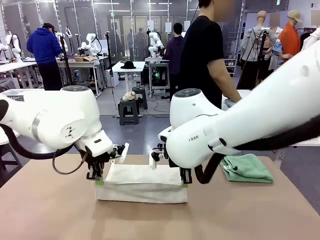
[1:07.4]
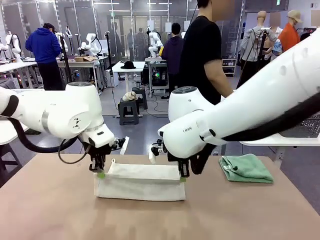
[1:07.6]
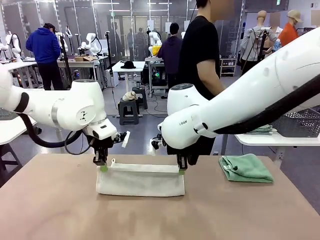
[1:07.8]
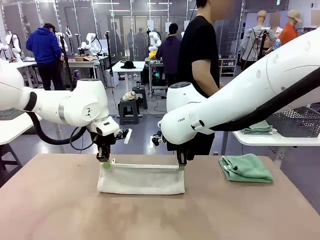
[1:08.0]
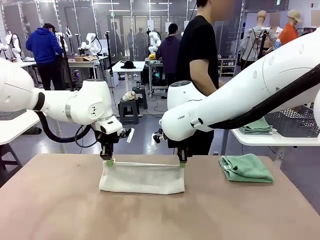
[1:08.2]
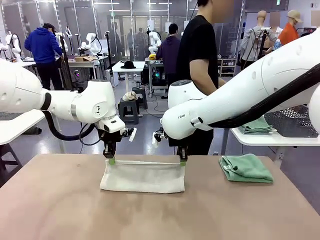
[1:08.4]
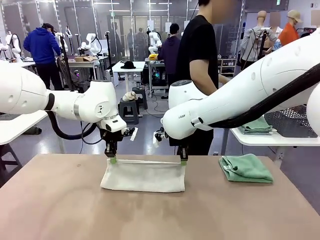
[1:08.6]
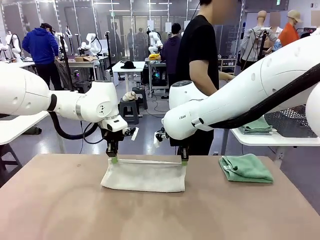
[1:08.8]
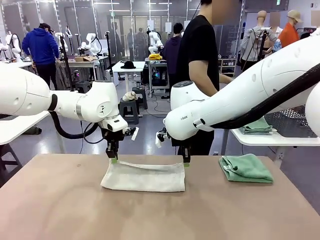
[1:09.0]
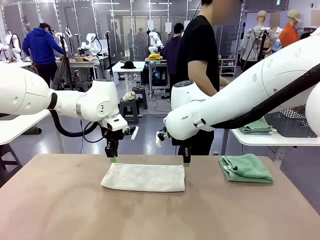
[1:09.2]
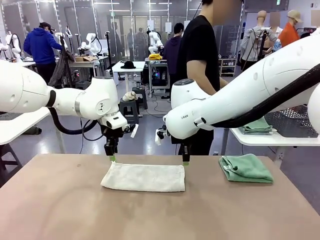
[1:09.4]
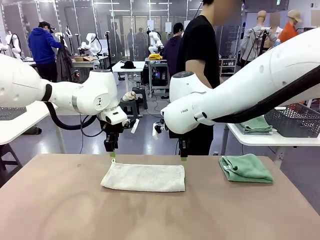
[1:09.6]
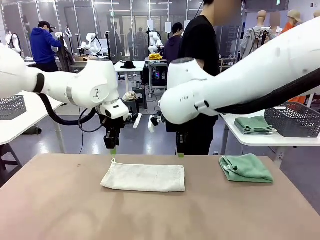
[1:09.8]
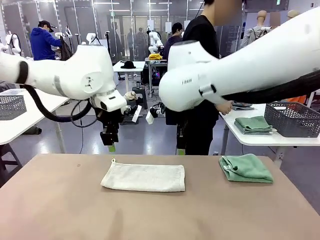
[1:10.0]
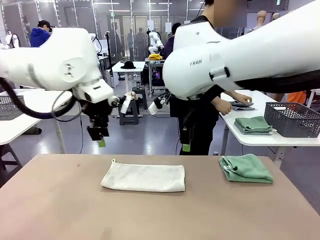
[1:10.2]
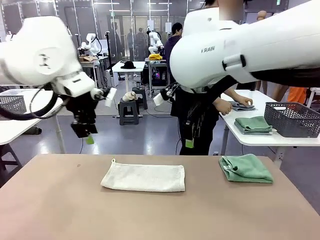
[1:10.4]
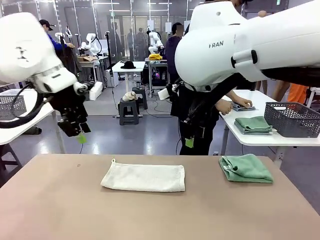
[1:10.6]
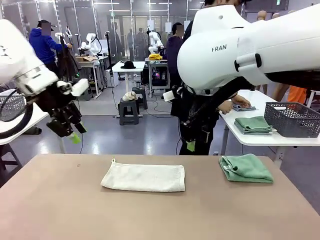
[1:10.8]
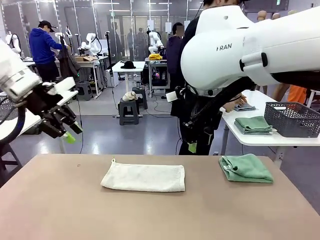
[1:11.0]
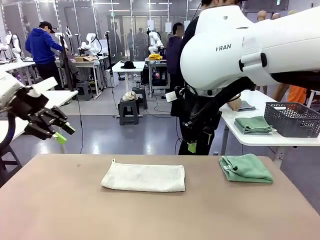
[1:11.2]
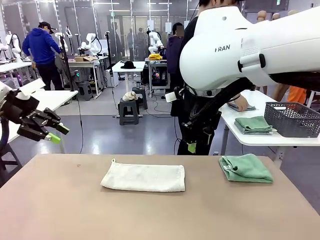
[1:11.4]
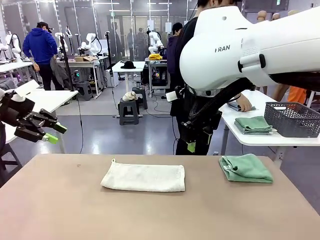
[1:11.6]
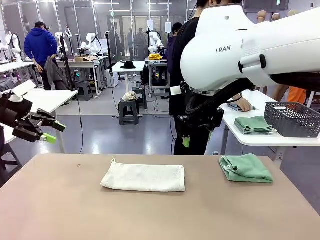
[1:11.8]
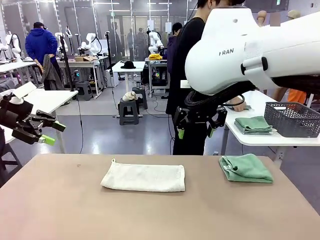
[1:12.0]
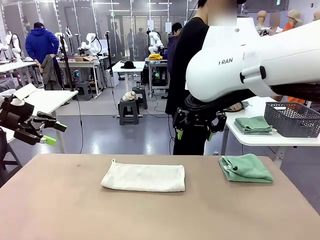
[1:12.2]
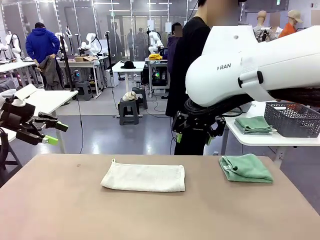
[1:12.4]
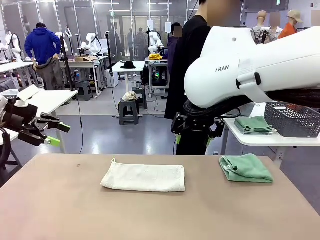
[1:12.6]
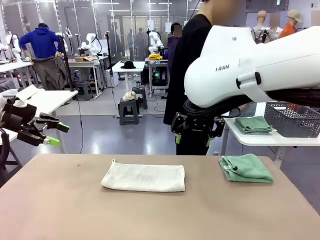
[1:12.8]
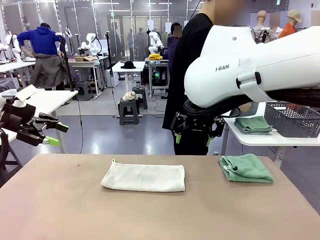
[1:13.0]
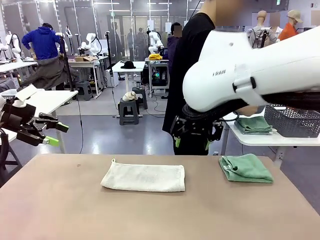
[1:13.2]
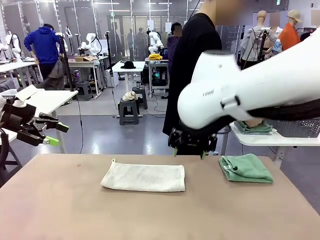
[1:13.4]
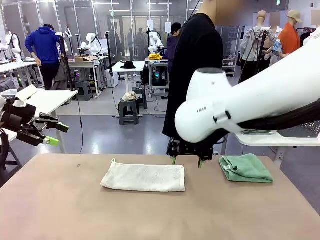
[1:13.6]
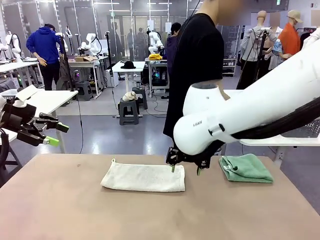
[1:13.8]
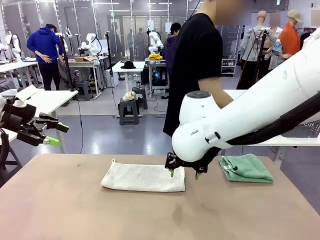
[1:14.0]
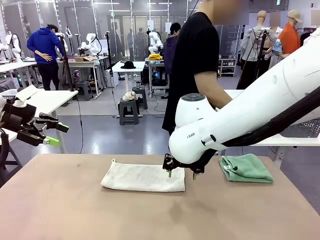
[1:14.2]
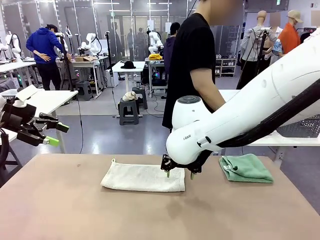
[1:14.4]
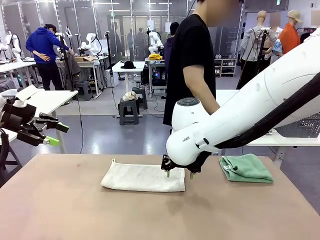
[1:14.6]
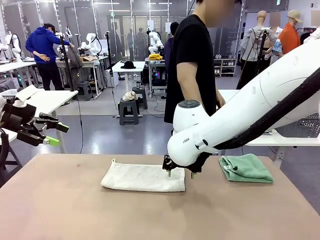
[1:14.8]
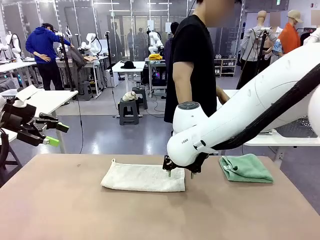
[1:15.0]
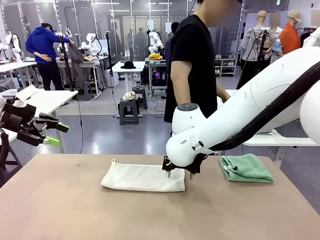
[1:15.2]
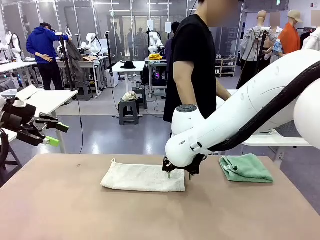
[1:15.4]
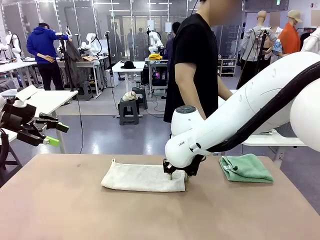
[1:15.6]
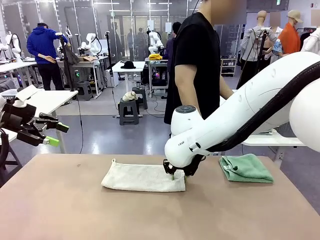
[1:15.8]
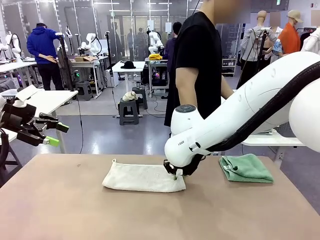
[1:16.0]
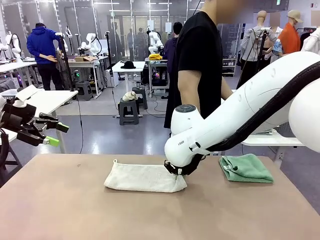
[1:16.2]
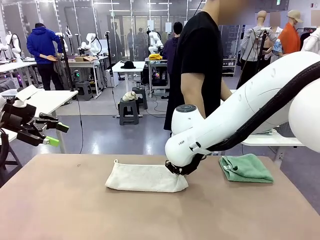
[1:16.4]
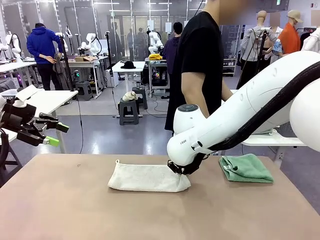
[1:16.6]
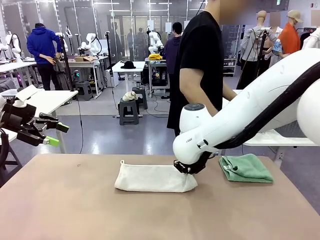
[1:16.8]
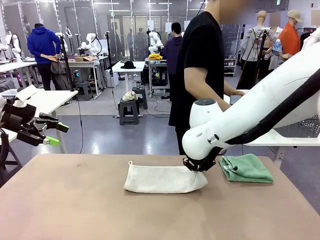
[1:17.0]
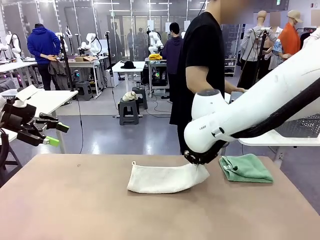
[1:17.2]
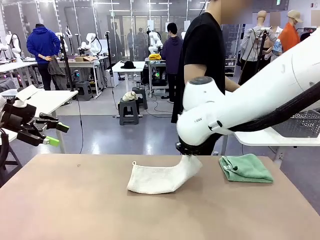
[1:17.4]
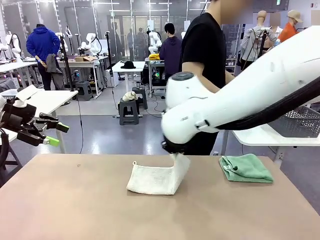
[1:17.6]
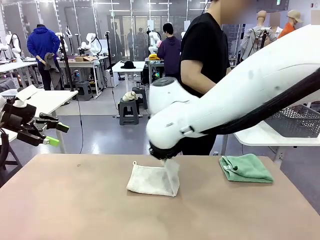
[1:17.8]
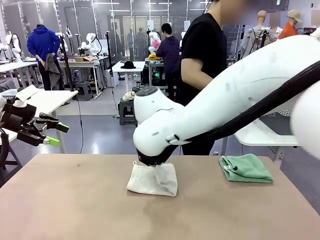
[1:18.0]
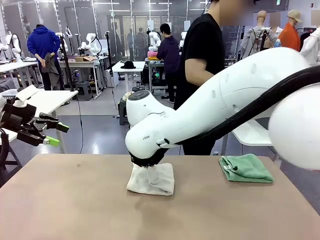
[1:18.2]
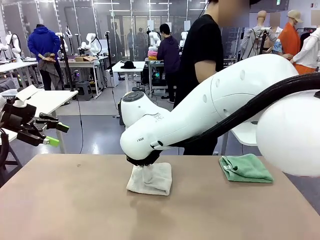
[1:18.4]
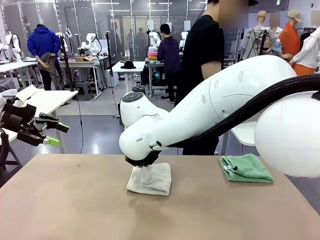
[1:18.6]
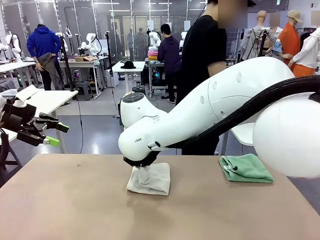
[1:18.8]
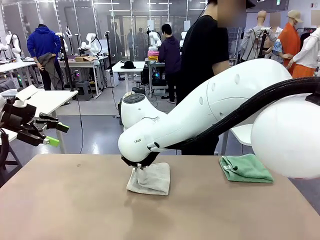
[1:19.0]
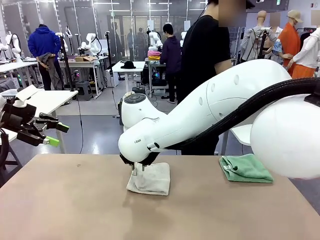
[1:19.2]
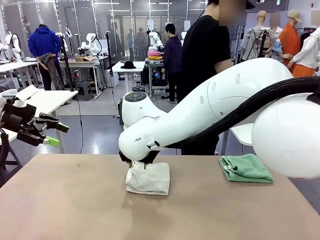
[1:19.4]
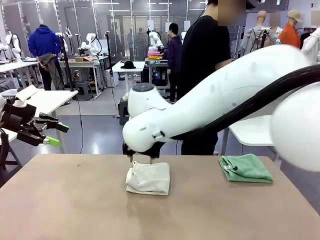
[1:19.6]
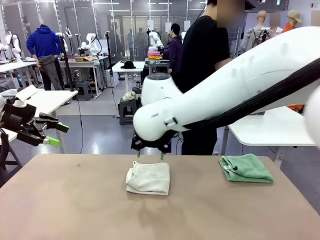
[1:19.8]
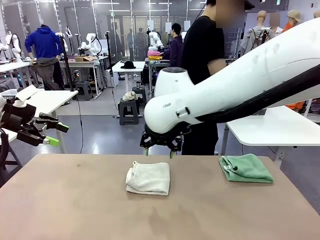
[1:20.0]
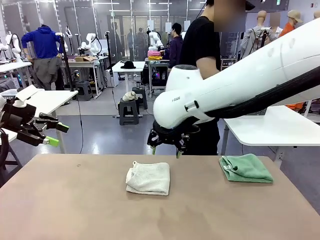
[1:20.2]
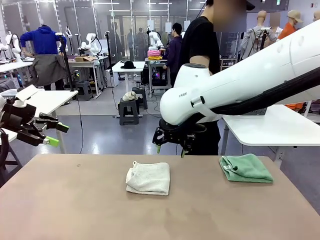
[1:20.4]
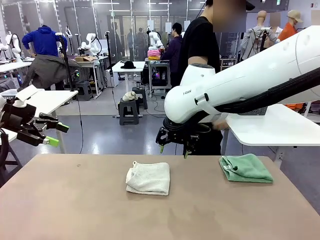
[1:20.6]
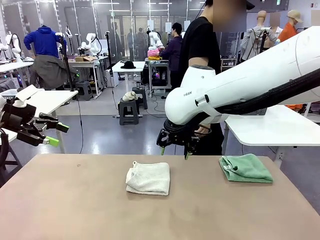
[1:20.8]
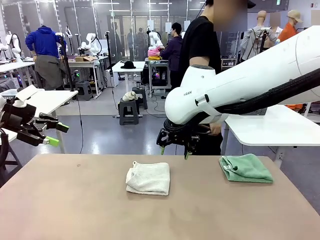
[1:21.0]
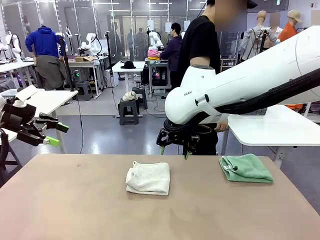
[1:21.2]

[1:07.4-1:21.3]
Task: Fold the towels and place them in the basket.
Robot: When a person lays out a Towel with hook on the table, fold it in half twice.
Person: Pick up the stack of towels from the right side of the human table, place it into the basket, and put the basket at the center of the table.
